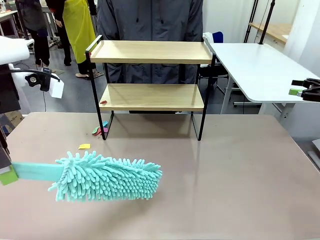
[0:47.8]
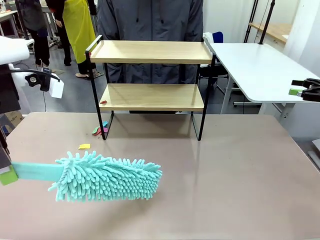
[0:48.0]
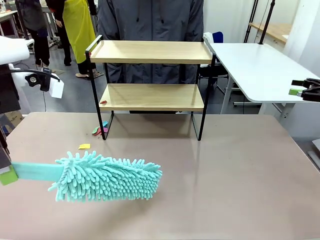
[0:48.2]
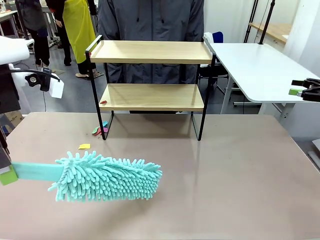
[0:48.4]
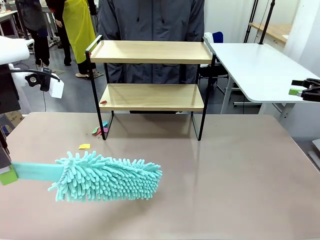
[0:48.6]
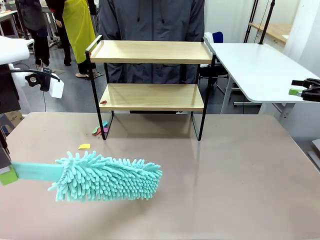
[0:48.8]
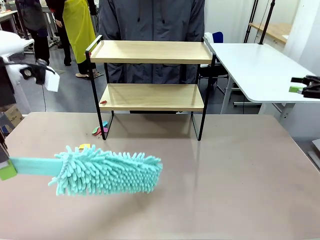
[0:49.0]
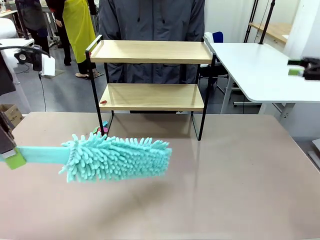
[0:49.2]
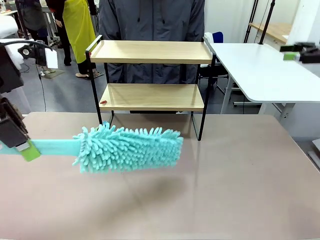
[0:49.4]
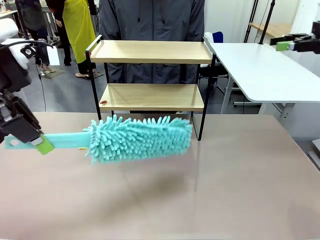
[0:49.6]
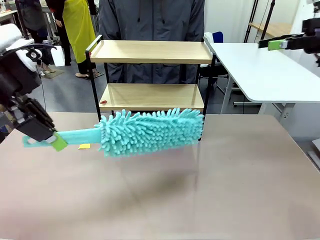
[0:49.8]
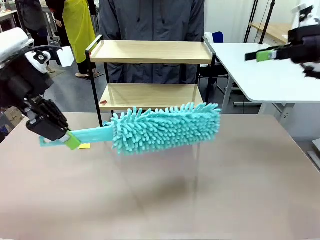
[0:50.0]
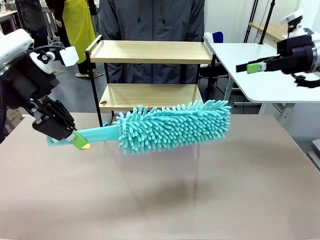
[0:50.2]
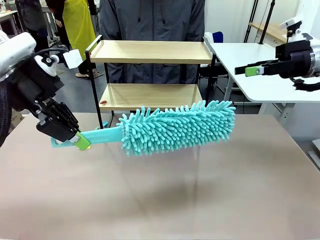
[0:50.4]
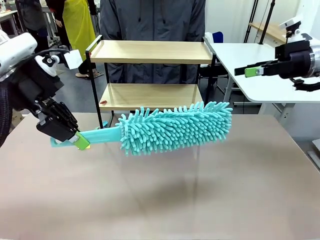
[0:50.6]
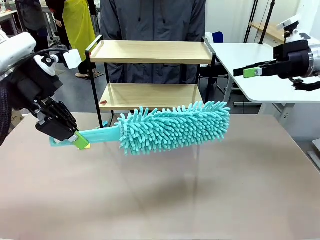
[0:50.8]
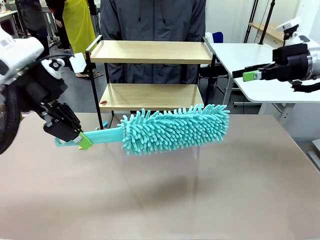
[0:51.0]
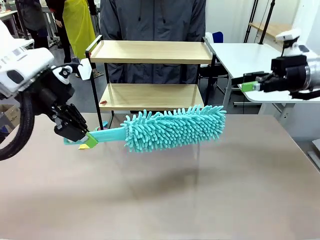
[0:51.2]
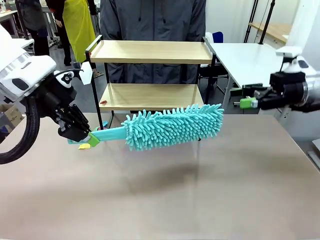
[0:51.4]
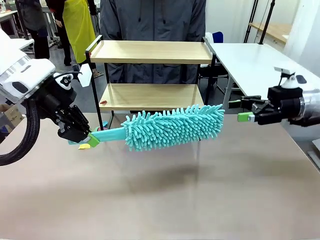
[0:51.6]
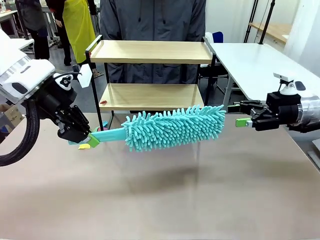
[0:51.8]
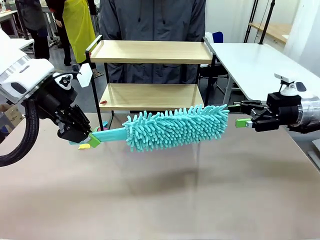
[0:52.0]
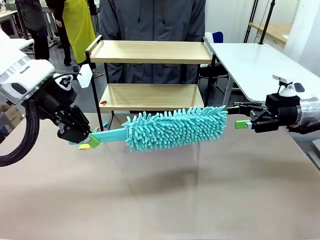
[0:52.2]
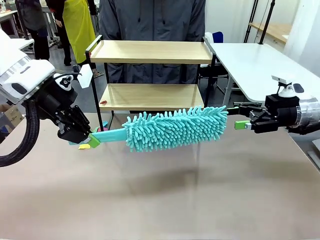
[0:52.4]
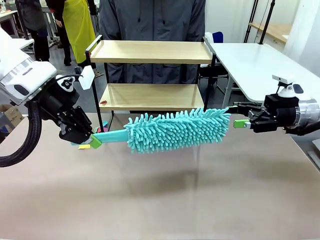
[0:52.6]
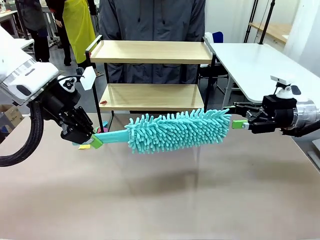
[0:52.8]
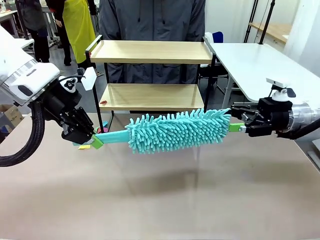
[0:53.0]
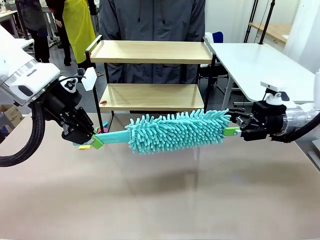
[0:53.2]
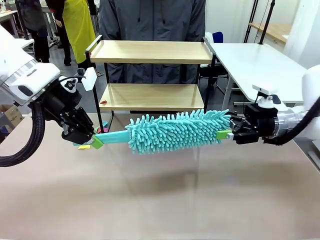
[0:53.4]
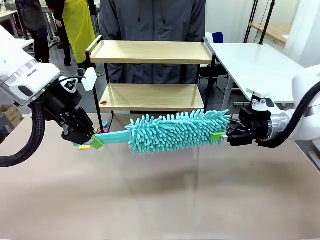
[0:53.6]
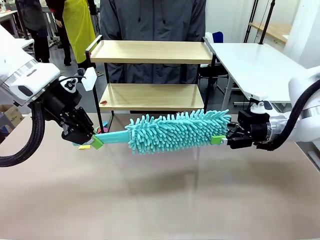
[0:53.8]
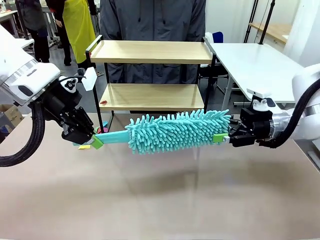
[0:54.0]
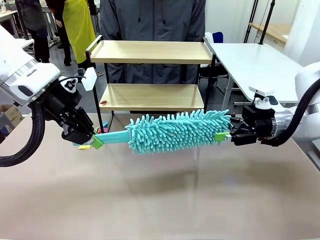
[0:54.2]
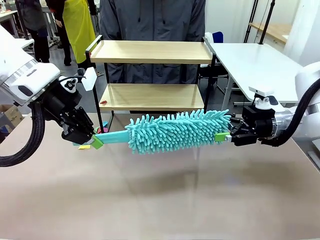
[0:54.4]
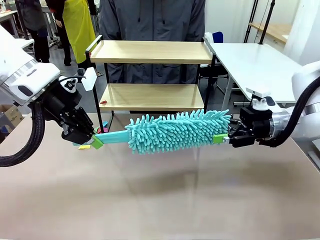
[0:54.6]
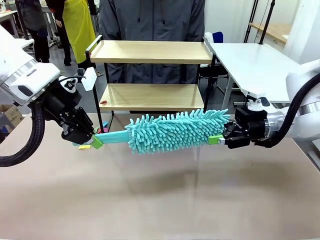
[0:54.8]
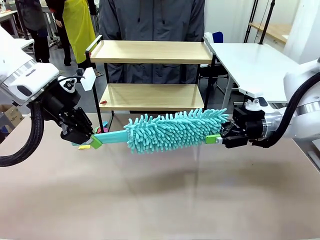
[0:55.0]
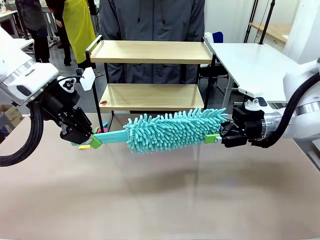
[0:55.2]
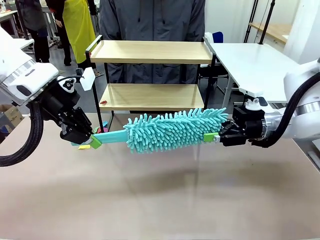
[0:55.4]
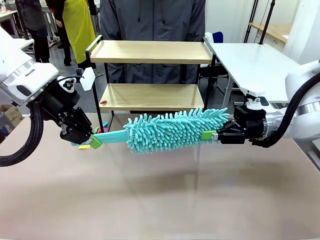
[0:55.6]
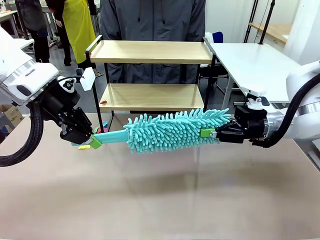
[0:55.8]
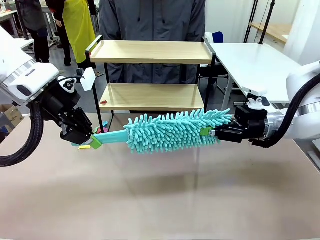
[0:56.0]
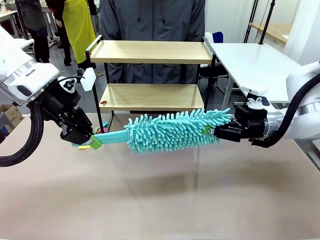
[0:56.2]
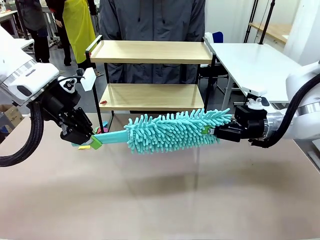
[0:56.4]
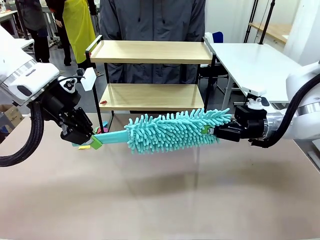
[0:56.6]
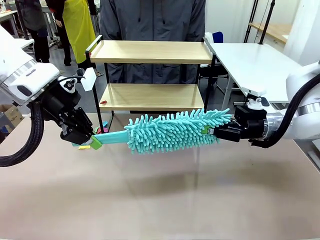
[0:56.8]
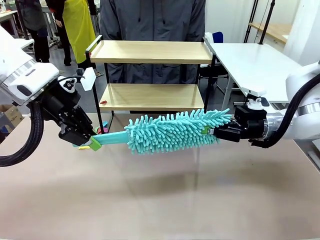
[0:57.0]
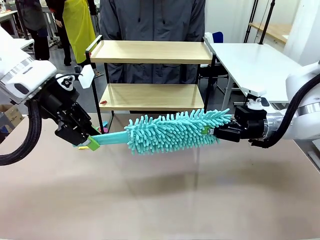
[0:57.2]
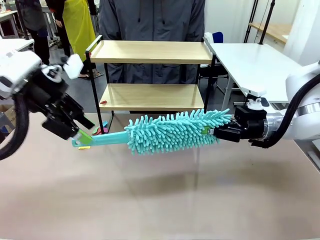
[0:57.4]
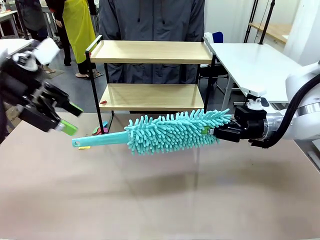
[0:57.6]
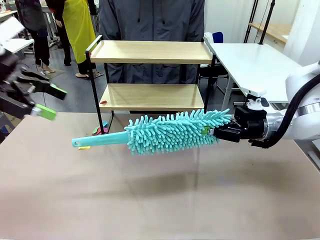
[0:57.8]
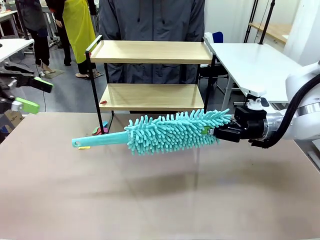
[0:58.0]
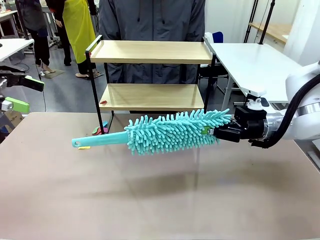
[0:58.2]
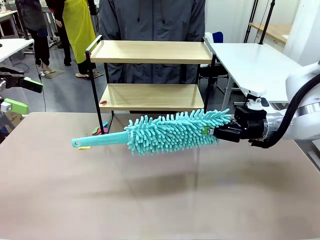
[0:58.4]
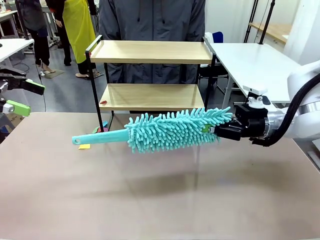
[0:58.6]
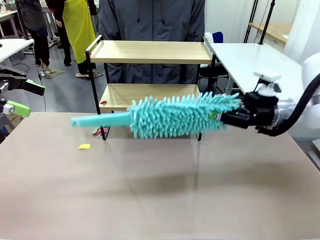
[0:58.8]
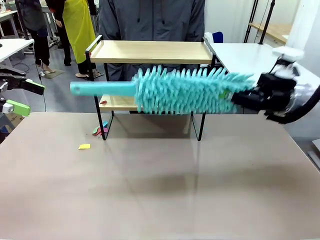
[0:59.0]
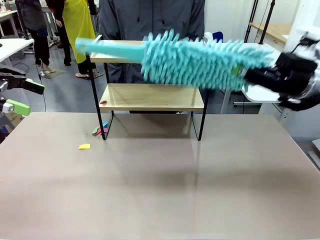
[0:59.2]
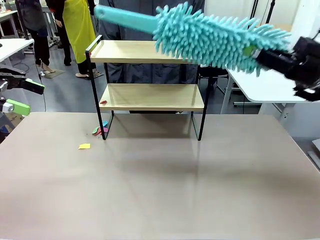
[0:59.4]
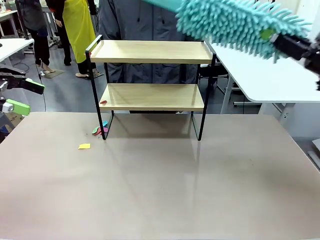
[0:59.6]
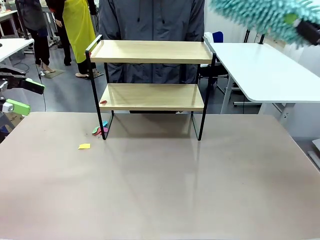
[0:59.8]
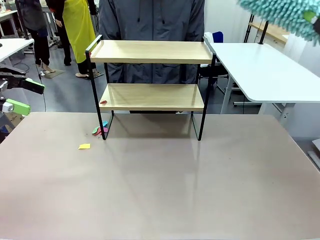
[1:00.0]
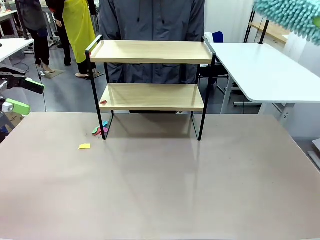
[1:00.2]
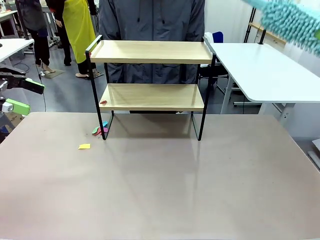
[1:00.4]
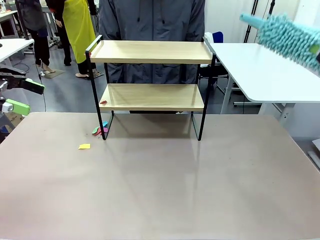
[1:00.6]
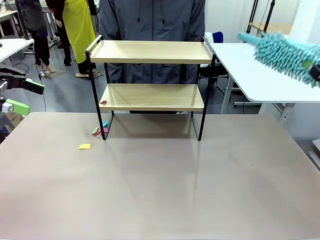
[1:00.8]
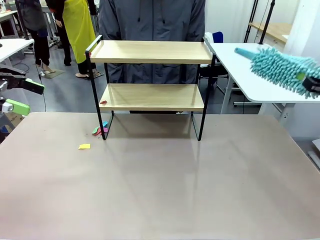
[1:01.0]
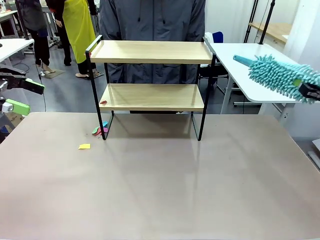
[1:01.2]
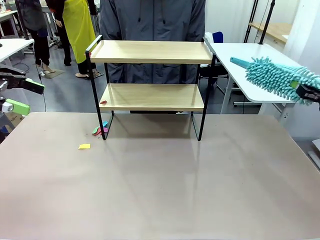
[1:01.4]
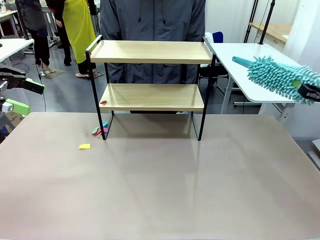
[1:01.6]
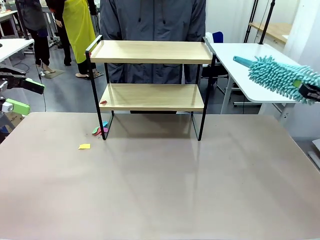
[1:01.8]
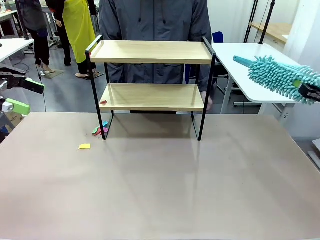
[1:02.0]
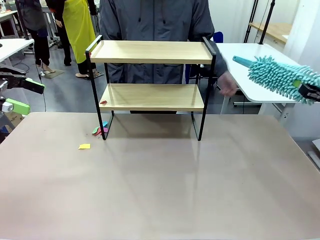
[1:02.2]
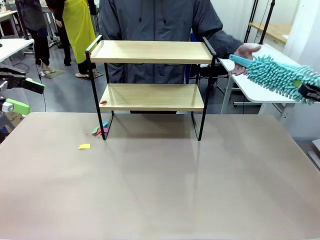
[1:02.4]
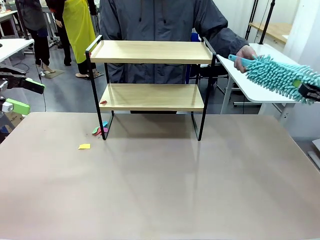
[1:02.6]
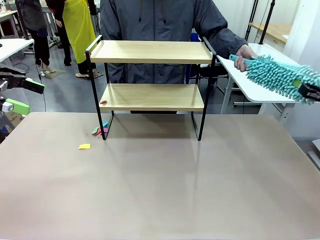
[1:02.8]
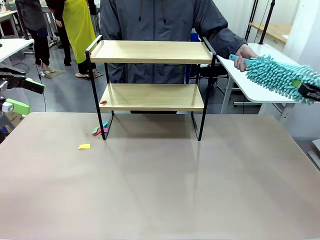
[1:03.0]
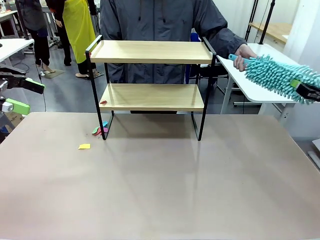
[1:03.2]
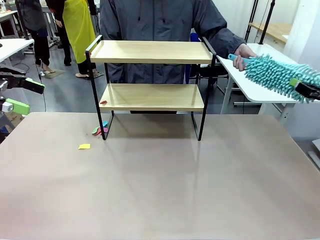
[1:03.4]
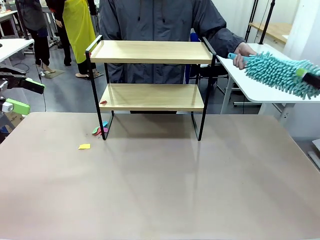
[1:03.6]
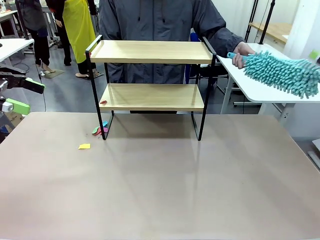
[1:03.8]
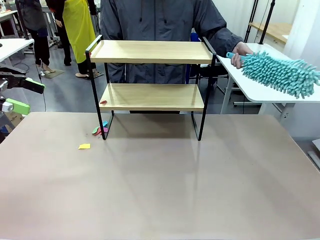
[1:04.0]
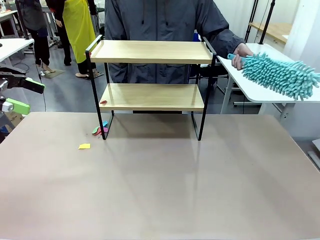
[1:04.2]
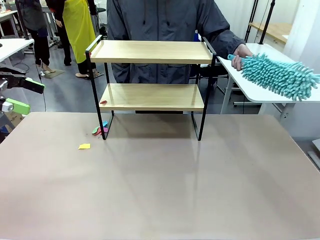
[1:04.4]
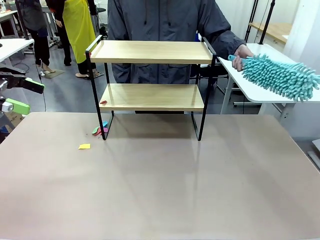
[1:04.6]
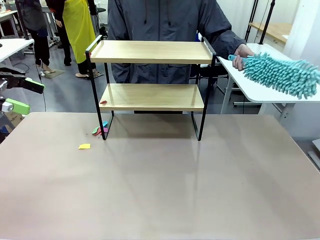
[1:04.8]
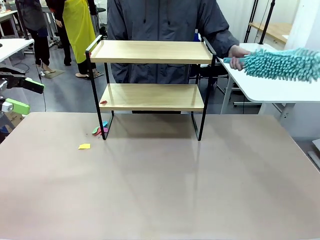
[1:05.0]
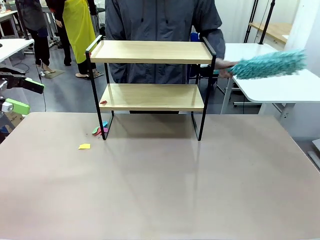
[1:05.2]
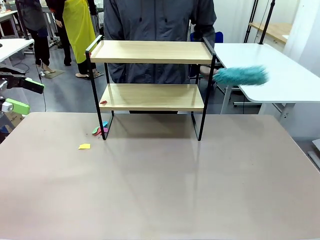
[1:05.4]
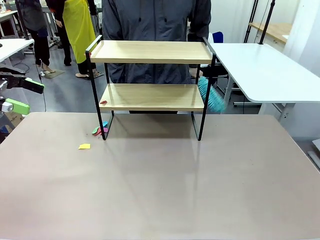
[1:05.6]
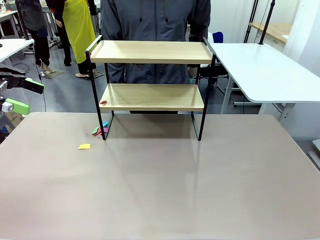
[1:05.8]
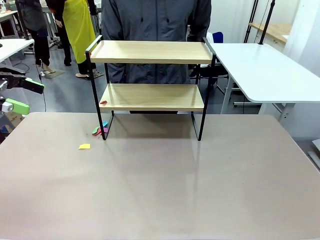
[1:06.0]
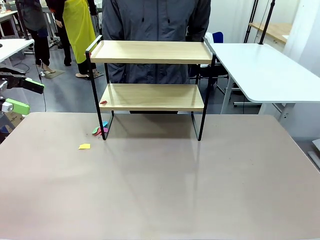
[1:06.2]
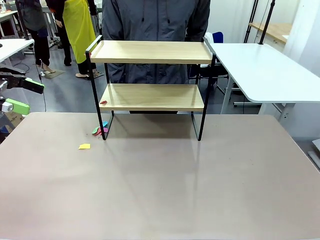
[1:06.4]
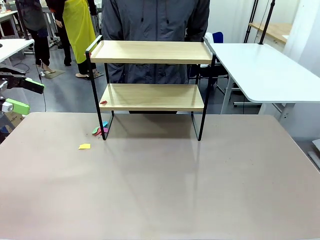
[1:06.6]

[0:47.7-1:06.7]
Task: Clean the shelf.
Robot: Hand the Duster back to the human.
Person: Receive the Duster from the robot.
